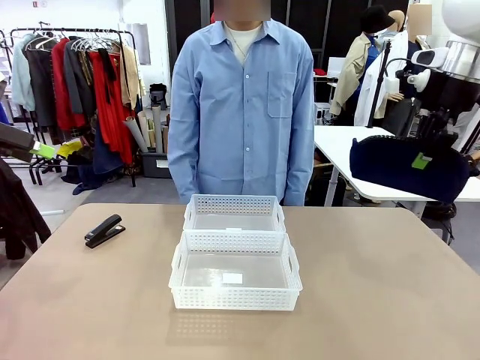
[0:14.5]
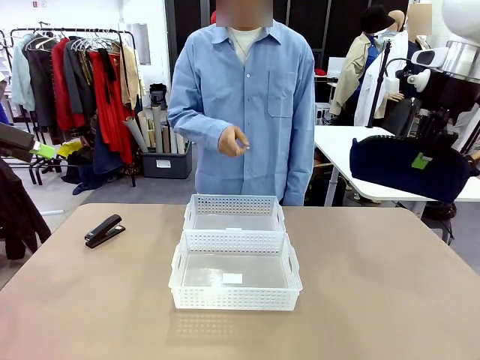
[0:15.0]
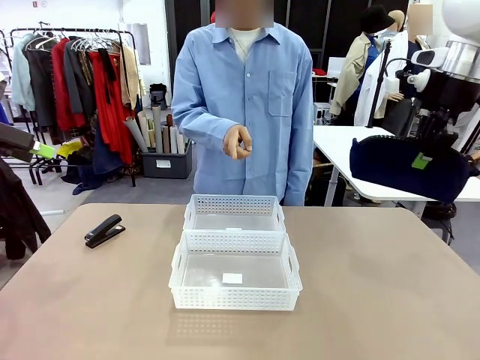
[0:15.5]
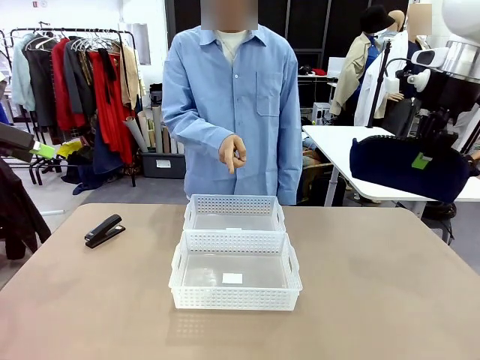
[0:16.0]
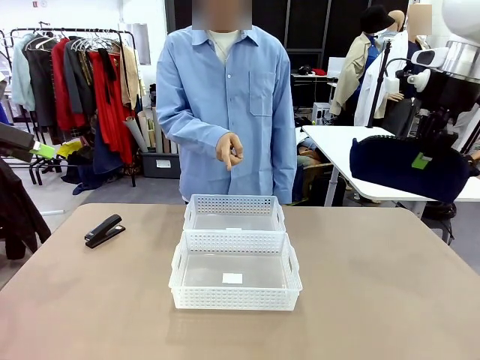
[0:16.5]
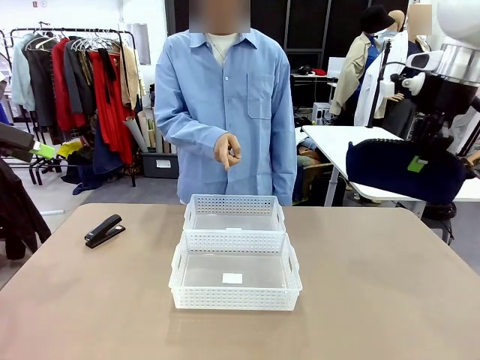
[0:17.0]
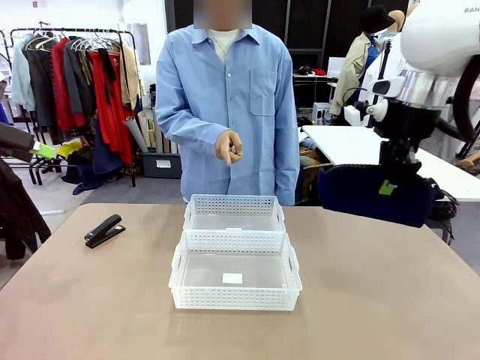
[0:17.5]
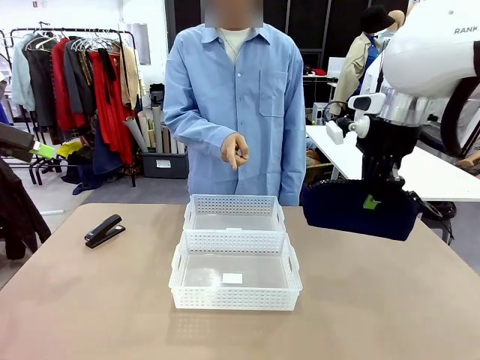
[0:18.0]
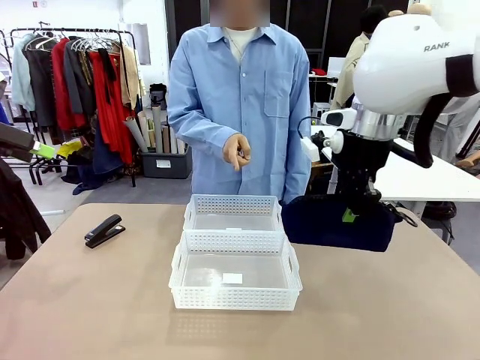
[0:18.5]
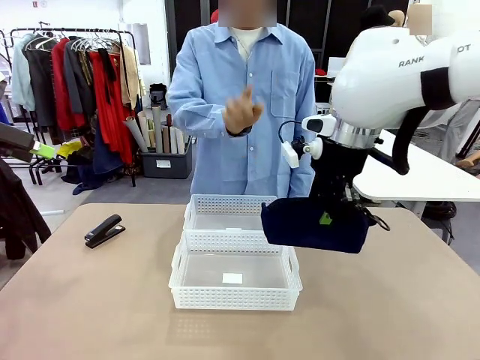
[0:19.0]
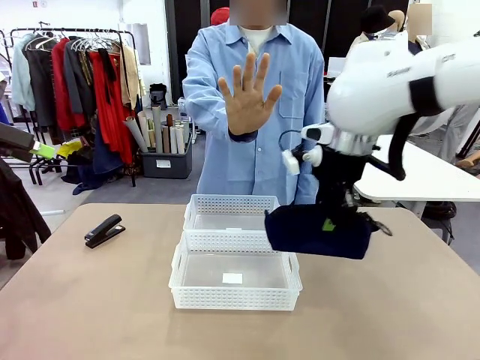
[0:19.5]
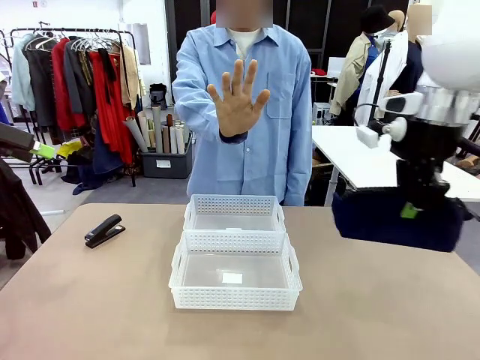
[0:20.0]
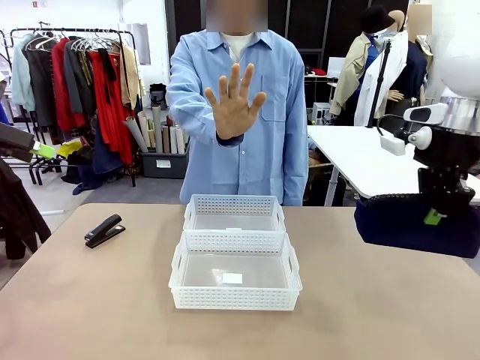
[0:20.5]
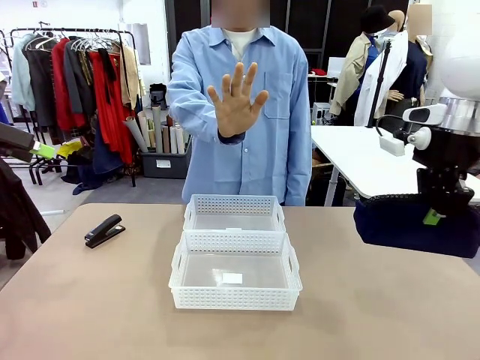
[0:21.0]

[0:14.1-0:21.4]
Task: Distribute items into two baskets.
Robot: Move the picked Pencil pouch towards the Organizing basket indicated by the person, stopping as directed.
Person: Sends a stop gesture before the robot places the pencil case into the basket.

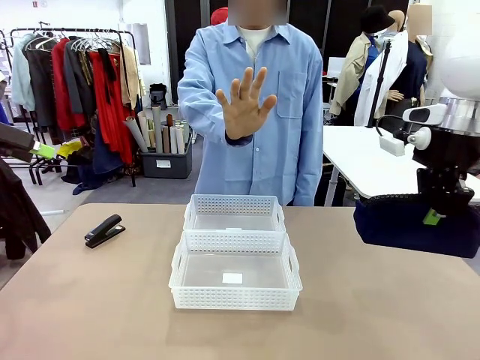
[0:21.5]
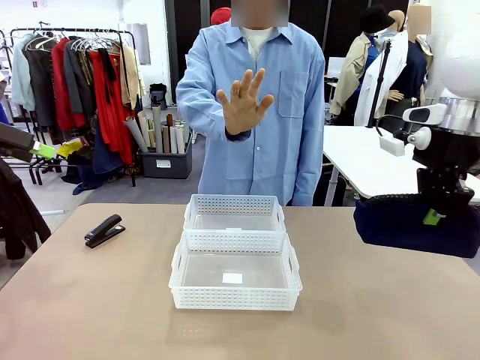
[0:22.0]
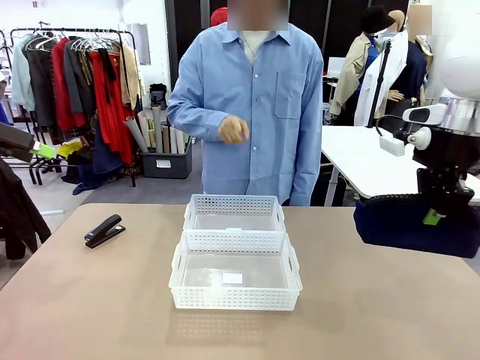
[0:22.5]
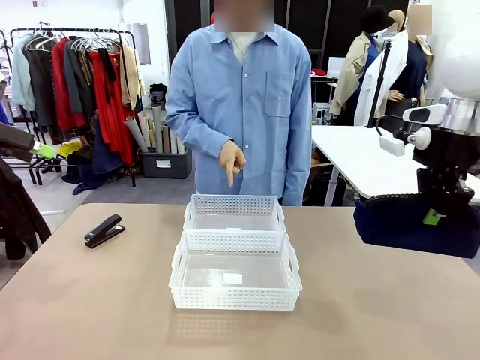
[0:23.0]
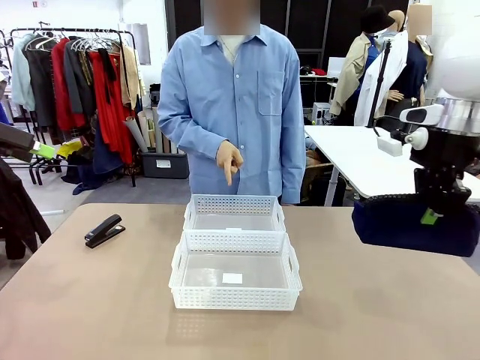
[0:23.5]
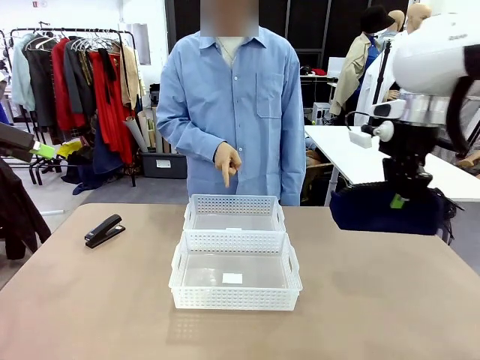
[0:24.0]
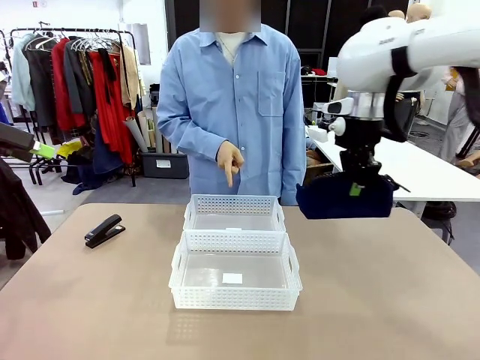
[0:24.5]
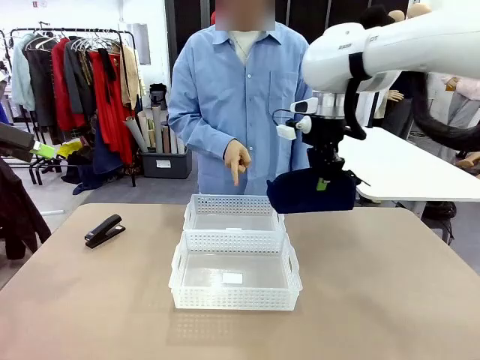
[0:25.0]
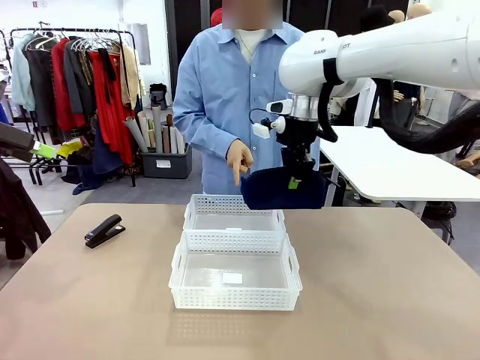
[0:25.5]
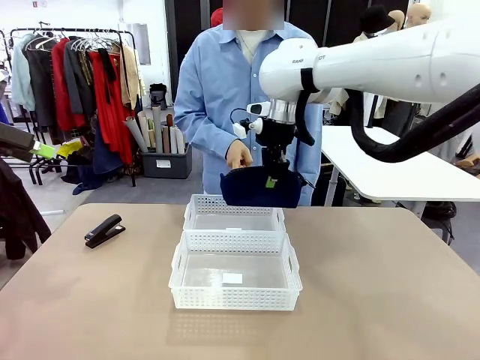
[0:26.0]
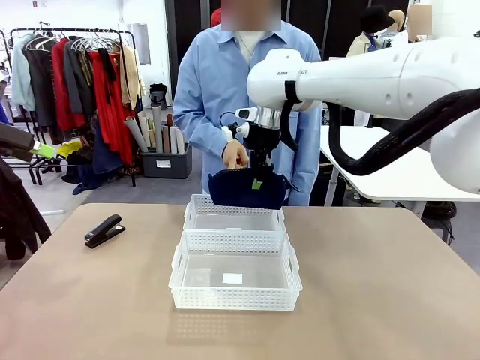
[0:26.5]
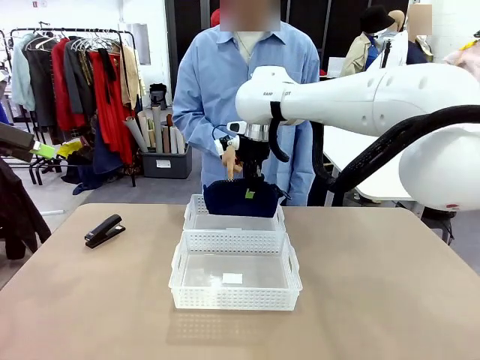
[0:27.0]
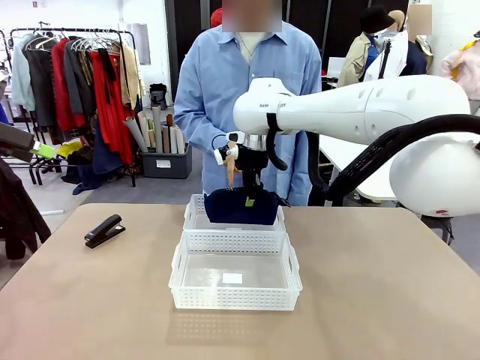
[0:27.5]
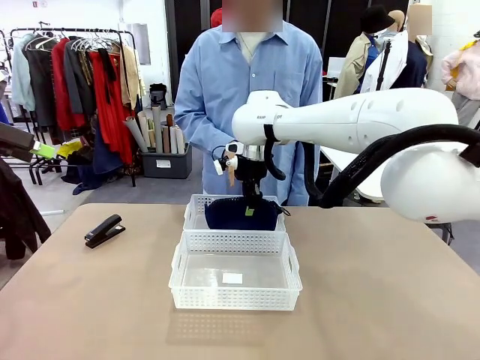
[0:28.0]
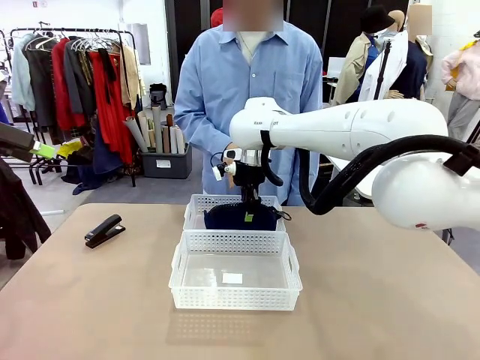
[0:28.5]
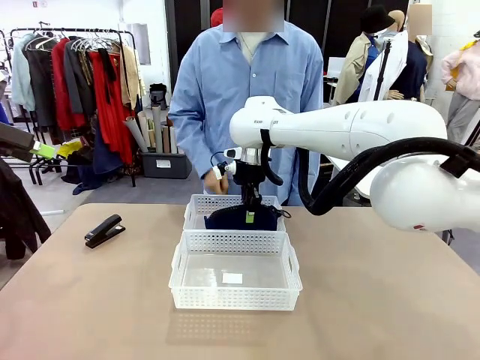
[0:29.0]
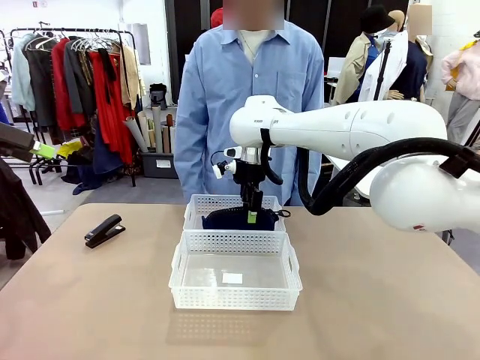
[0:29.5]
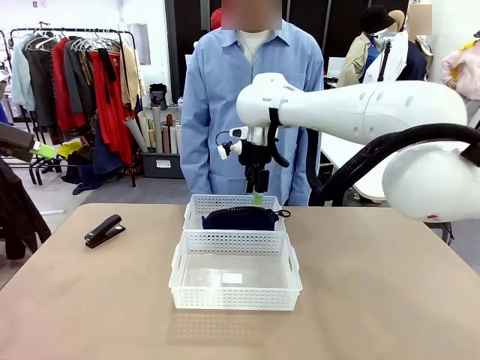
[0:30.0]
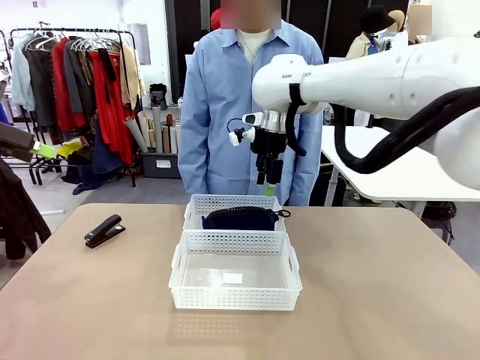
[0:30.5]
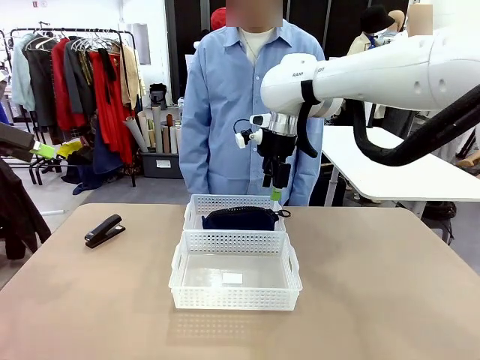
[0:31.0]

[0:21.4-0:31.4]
Robot: Place the picked Pencil pouch into the Organizing basket as instructed by the person.
Person: Instructs the robot to place the pencil case into the opposite basket. Points to the stapler.

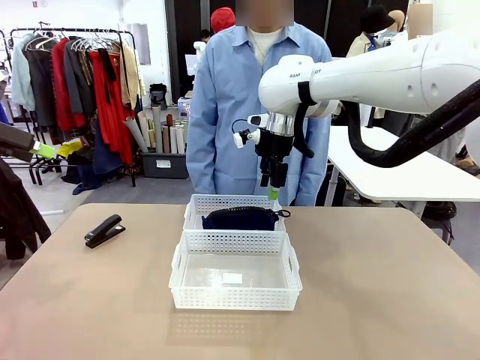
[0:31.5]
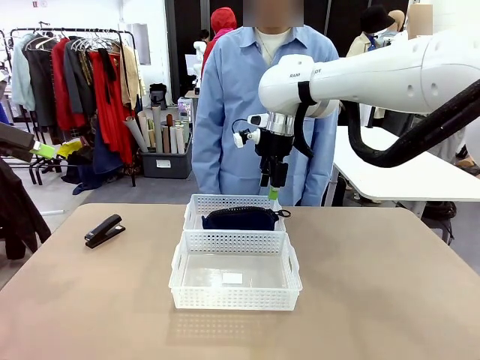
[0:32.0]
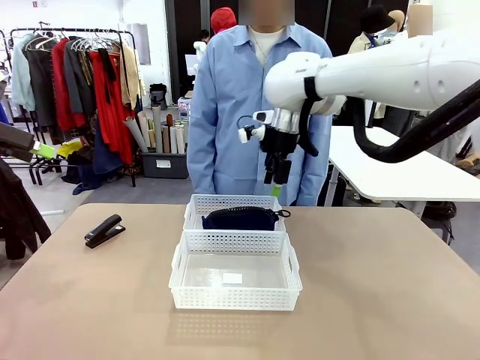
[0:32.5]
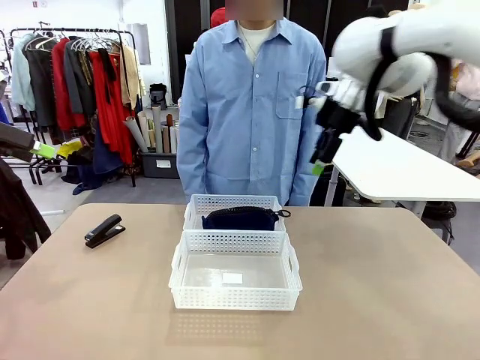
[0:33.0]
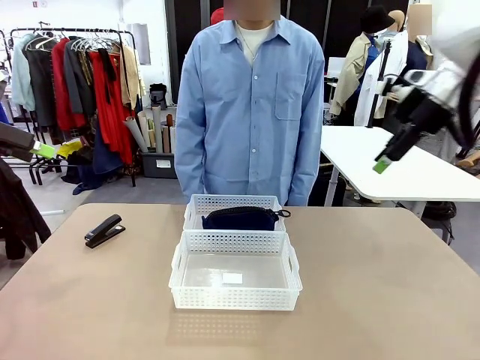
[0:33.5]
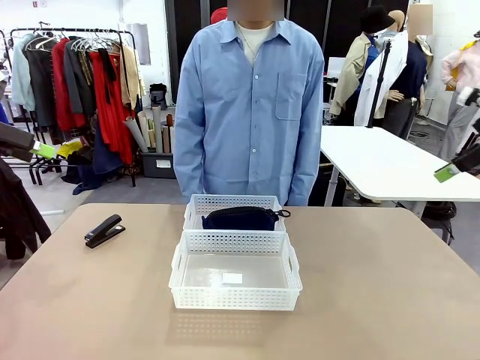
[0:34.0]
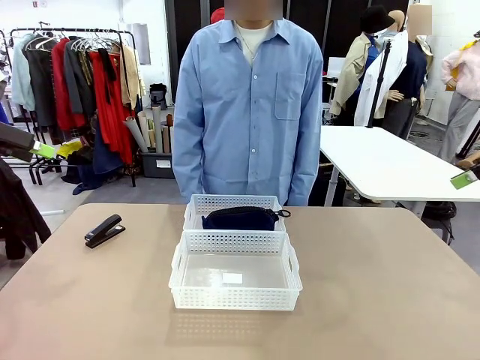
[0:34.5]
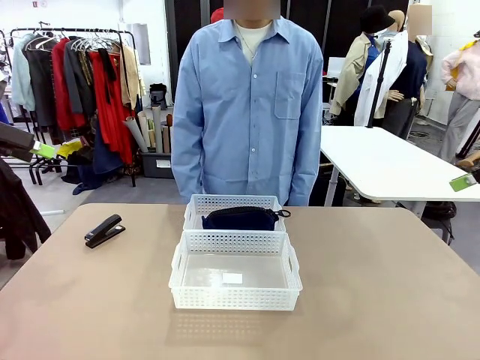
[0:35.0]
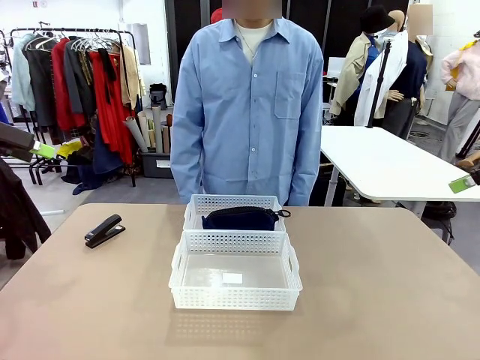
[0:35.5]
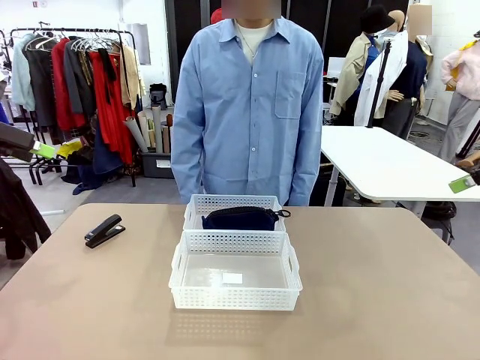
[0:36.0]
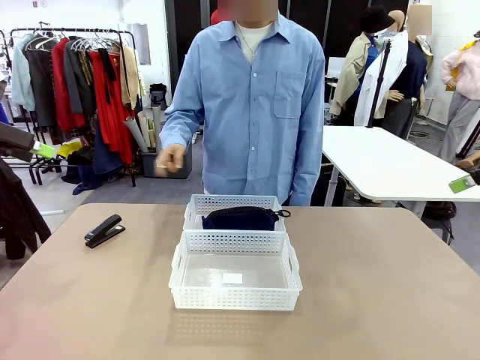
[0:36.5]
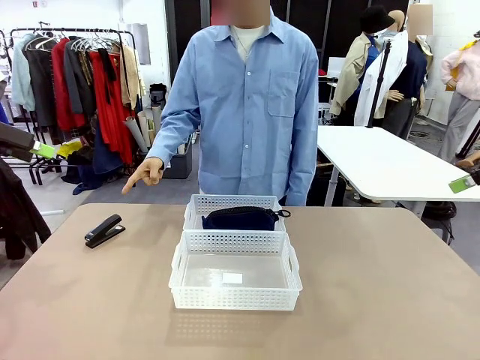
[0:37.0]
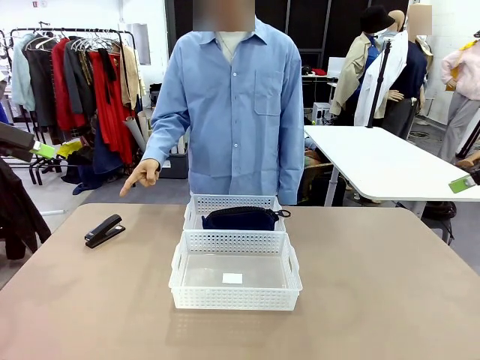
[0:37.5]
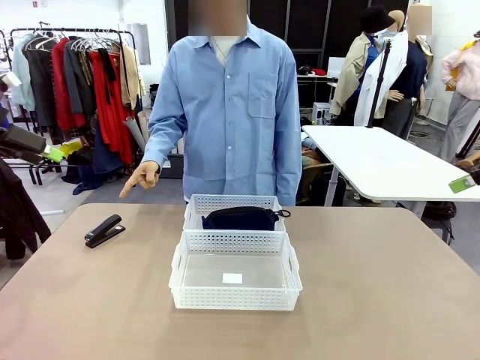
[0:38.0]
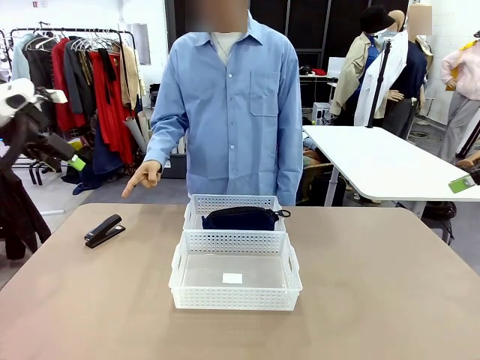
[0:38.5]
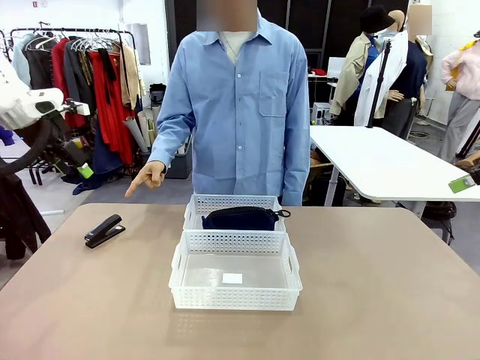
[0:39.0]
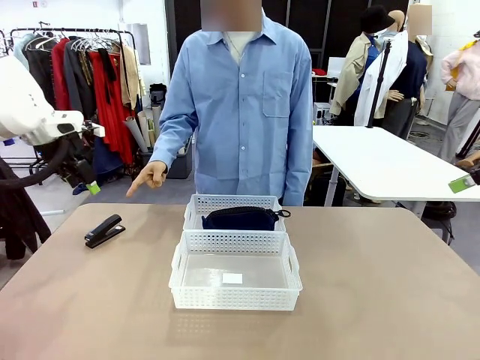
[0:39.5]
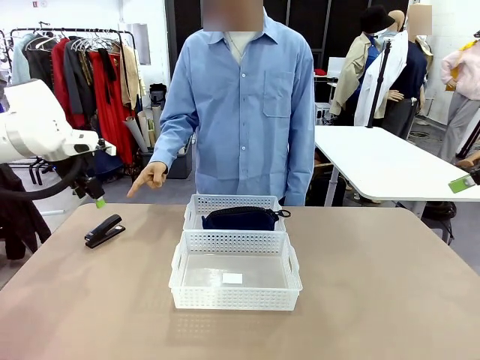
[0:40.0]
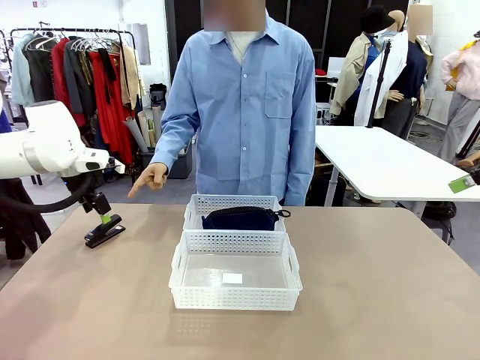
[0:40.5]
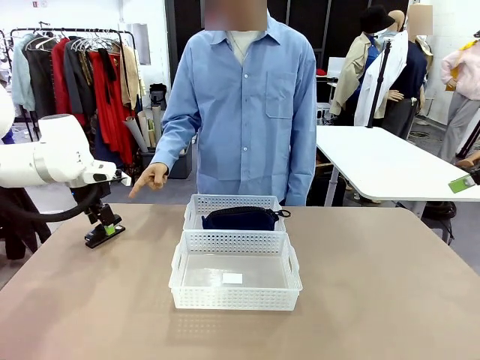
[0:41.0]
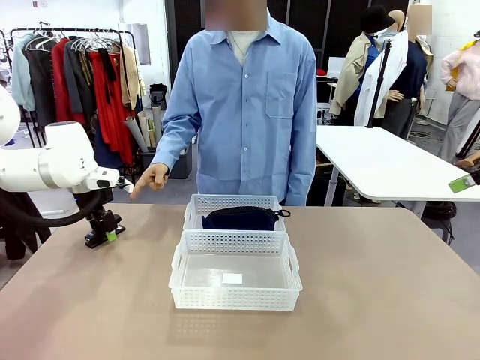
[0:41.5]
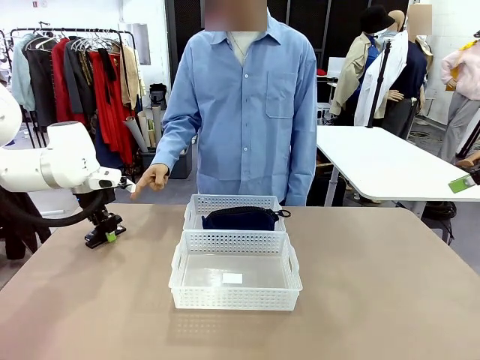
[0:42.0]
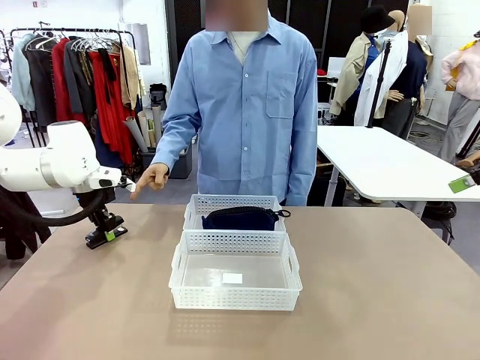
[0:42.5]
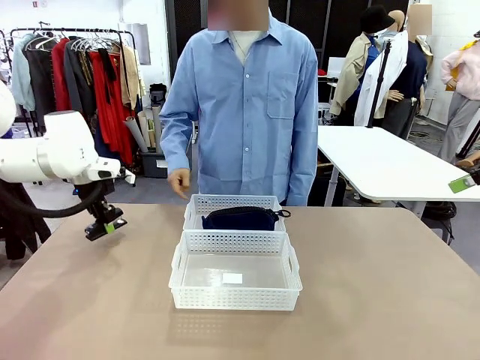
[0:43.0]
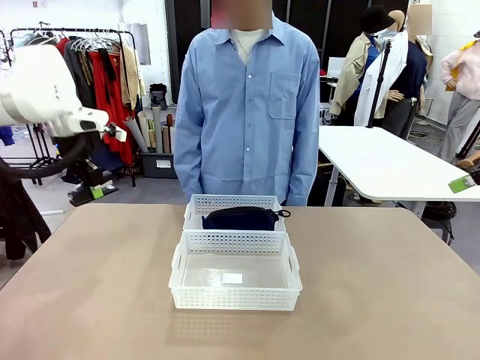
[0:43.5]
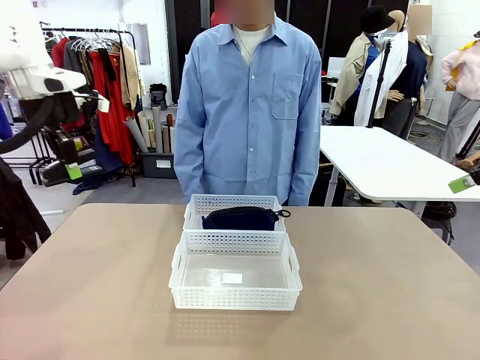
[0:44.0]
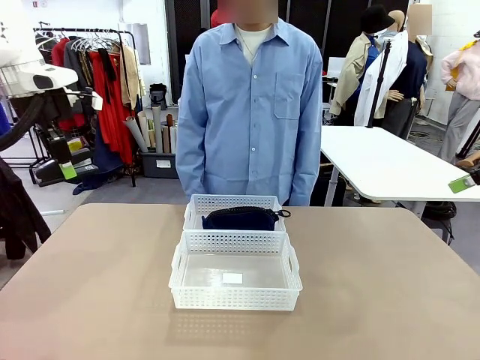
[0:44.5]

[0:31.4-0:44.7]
Robot: Pick up the Stapler that the person points to.
